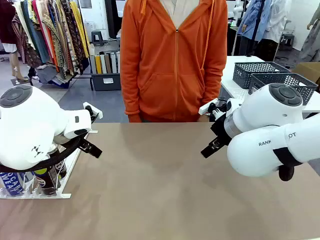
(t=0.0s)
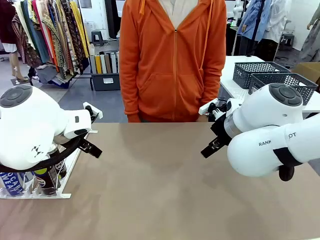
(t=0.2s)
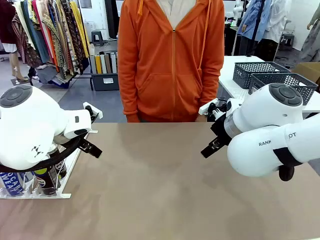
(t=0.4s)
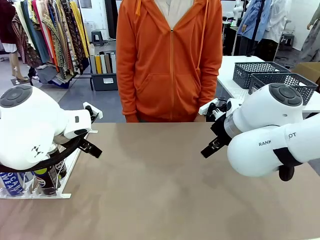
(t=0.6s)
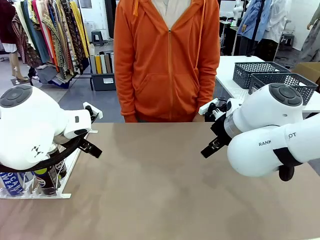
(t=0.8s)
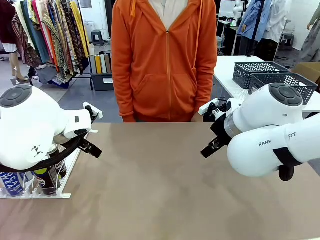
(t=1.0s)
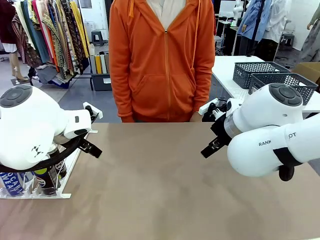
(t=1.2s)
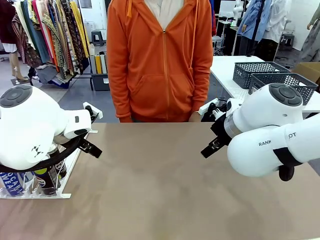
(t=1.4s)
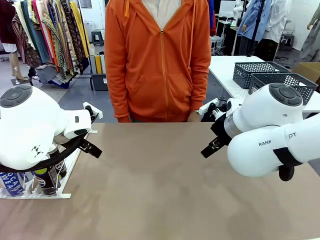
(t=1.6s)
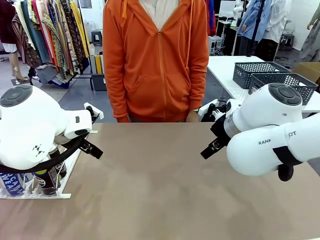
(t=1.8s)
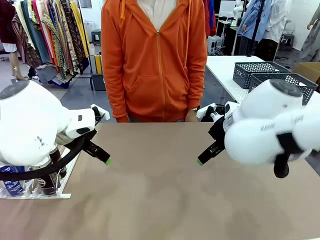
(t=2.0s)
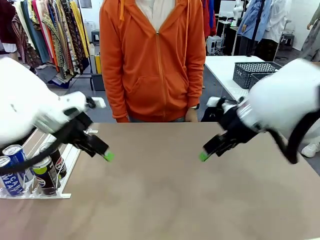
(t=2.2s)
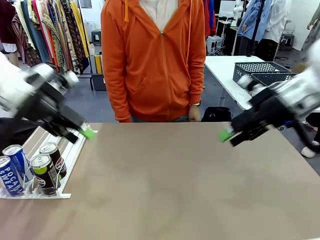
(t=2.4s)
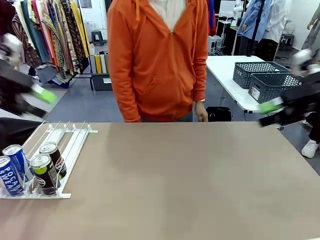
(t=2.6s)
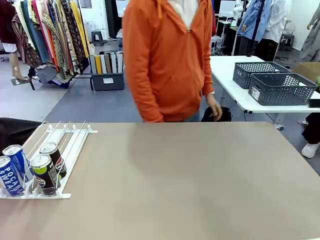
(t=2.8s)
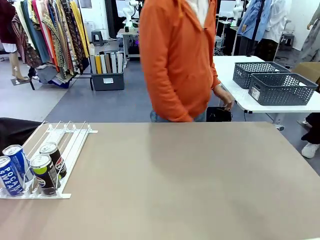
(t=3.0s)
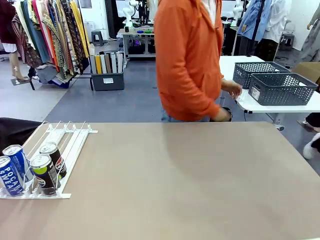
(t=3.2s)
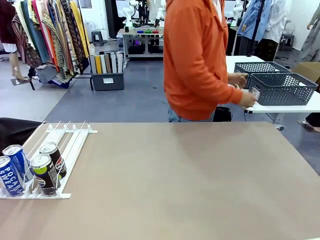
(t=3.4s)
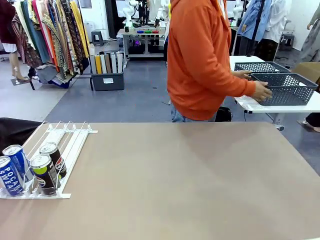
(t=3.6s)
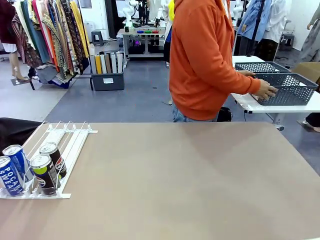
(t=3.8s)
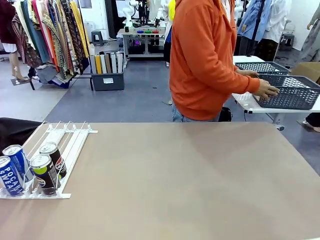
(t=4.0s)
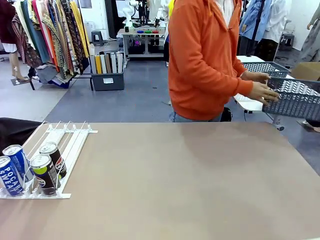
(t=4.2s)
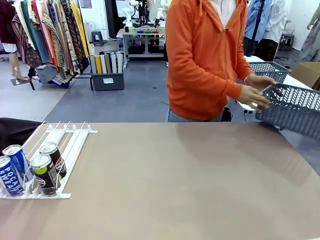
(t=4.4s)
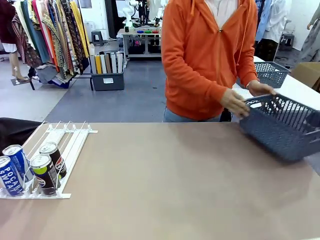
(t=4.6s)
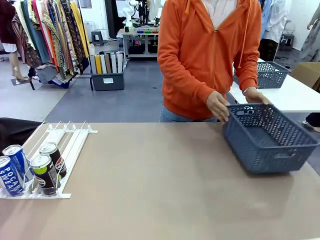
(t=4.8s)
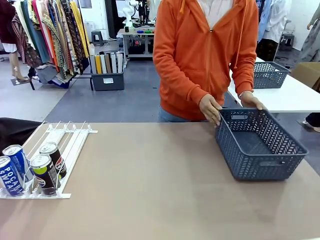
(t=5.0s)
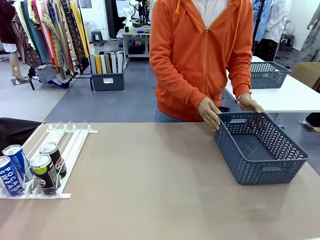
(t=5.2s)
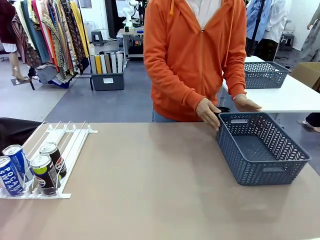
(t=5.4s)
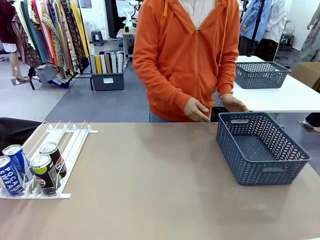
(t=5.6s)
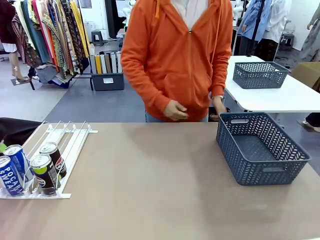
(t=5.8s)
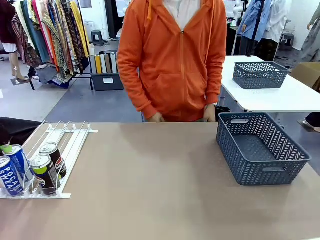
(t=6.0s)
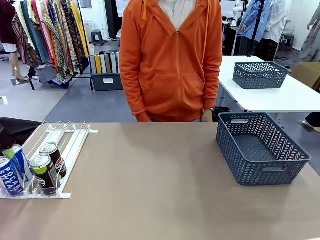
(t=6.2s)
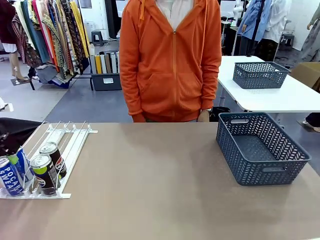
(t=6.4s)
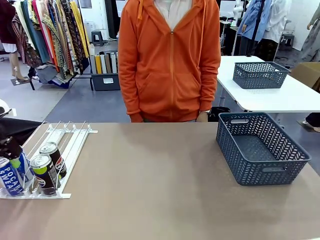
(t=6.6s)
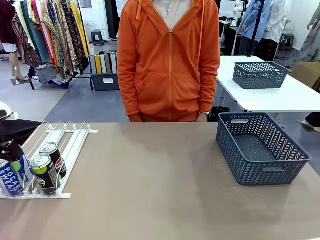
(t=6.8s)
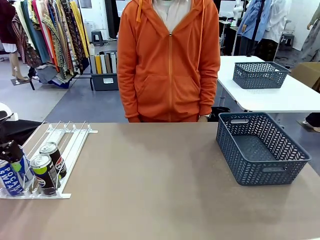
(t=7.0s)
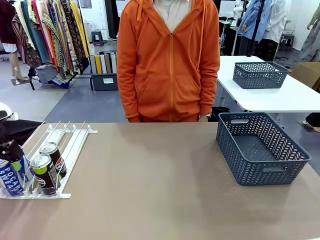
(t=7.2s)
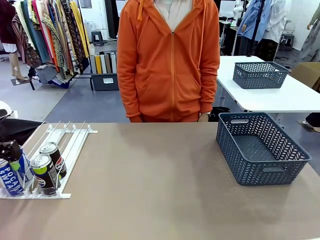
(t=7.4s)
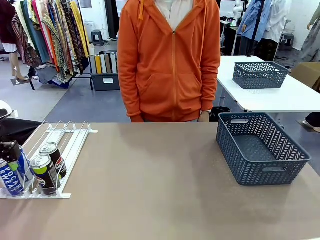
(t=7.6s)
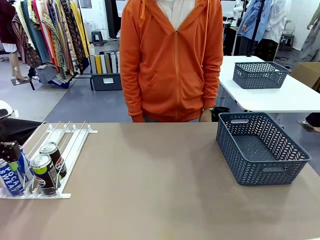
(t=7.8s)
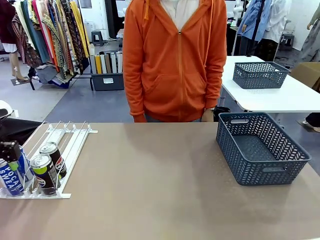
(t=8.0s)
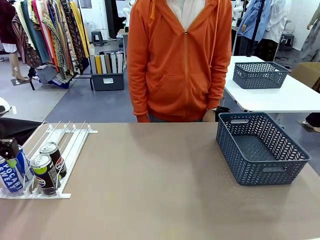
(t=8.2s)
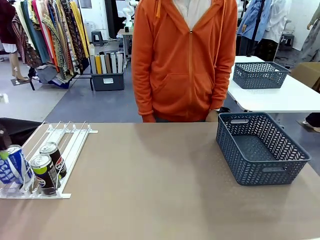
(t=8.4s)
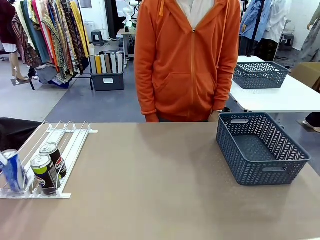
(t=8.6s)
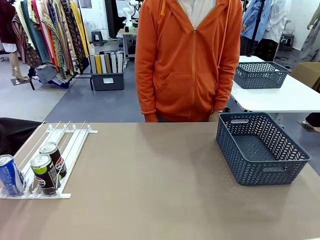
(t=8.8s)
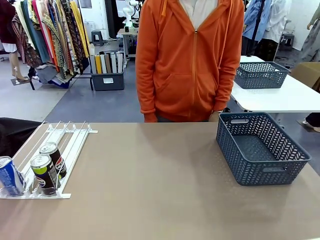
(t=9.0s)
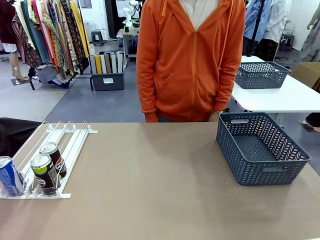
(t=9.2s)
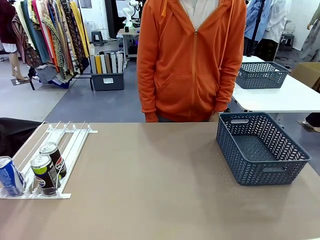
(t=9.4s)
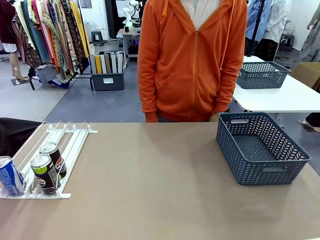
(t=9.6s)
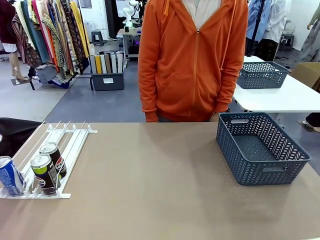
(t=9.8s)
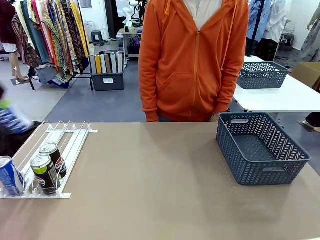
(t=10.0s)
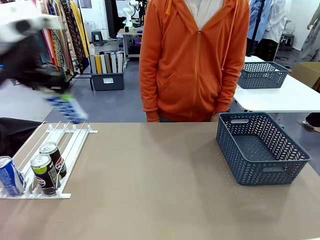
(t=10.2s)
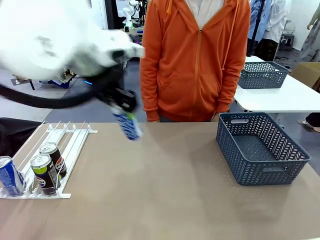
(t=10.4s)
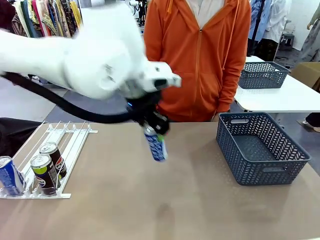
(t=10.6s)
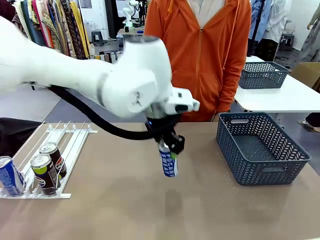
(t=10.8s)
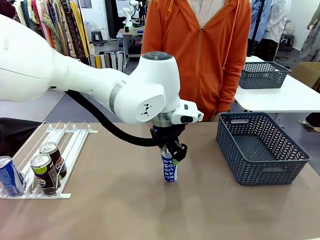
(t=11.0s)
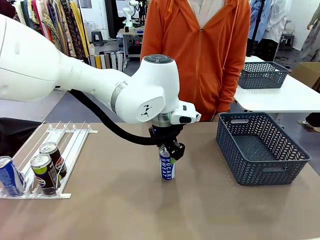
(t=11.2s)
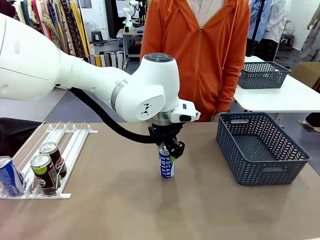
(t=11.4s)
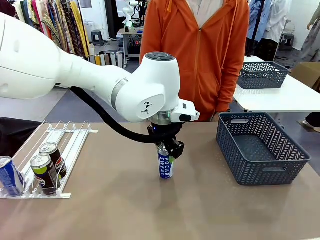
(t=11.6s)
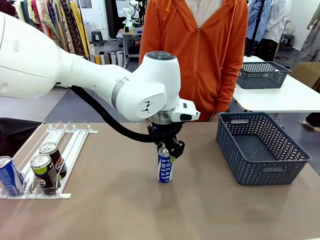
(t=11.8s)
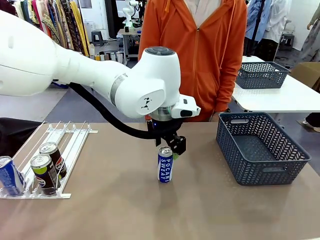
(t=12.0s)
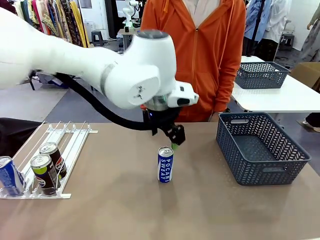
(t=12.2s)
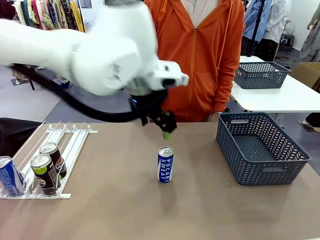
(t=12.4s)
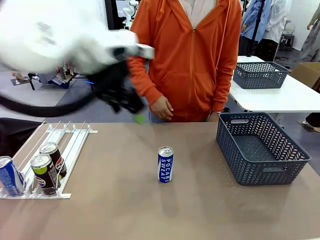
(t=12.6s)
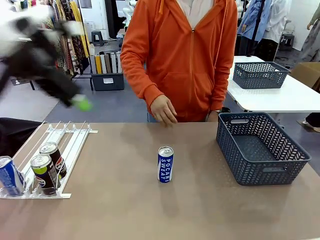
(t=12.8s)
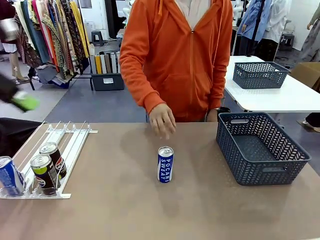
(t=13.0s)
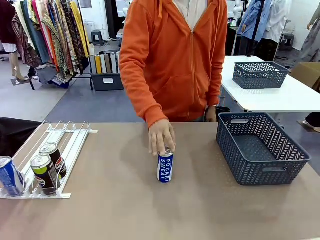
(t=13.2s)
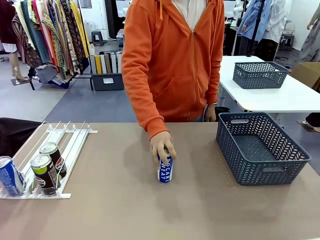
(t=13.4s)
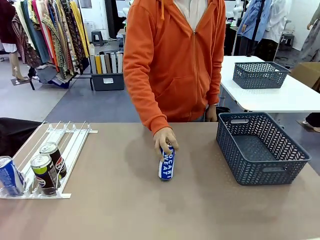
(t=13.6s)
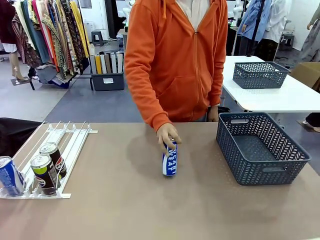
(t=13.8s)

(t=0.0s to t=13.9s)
Task: Retrieve and store the cans from the dispenser.
Robot: Pick up one can from the Automatic Can Dispenser and place it in the middle of the table.
Person: Pick up the basket and place it on the left side of the robot table.

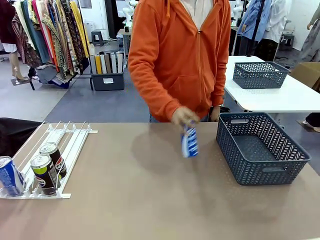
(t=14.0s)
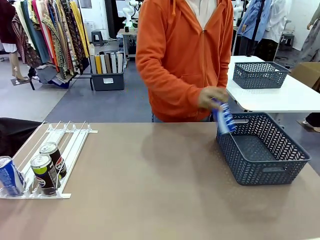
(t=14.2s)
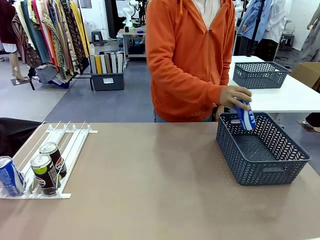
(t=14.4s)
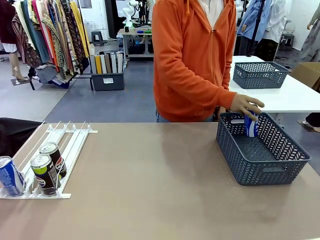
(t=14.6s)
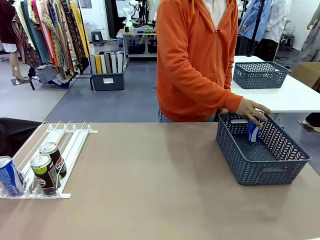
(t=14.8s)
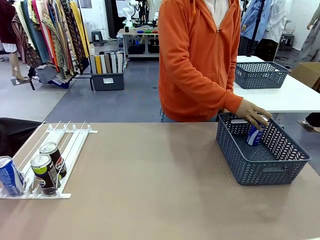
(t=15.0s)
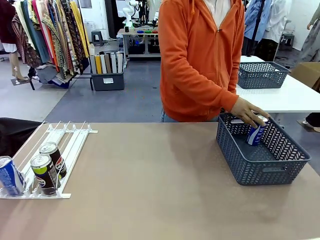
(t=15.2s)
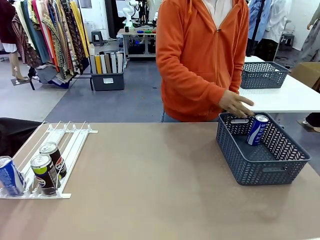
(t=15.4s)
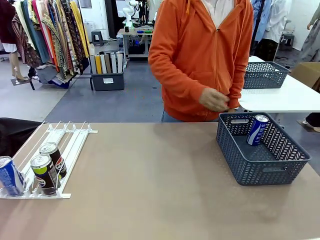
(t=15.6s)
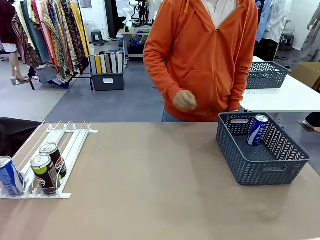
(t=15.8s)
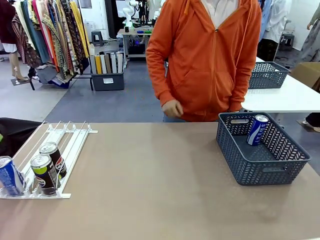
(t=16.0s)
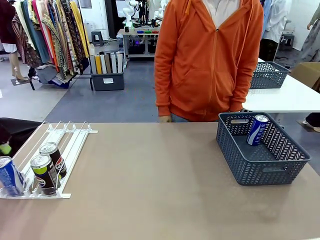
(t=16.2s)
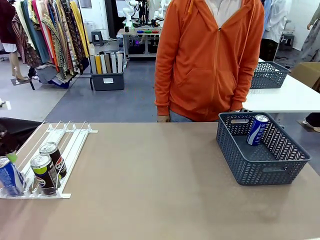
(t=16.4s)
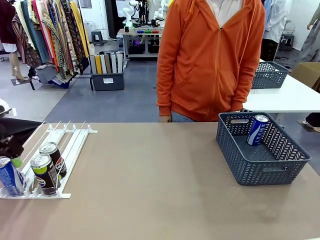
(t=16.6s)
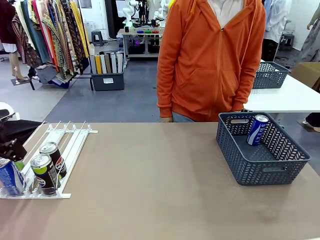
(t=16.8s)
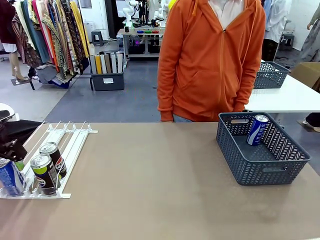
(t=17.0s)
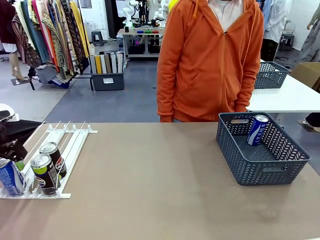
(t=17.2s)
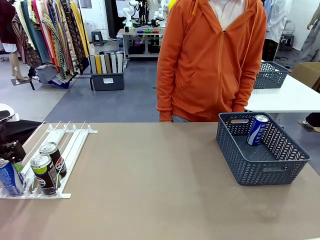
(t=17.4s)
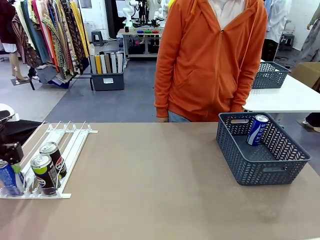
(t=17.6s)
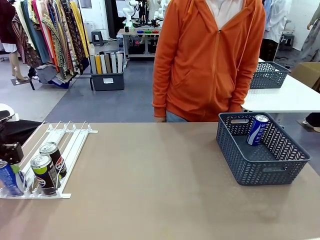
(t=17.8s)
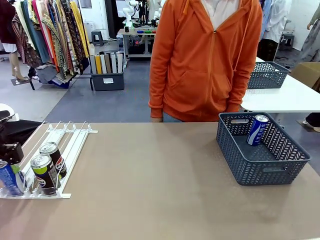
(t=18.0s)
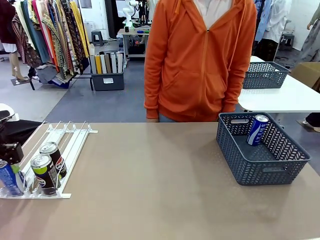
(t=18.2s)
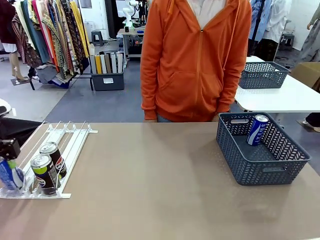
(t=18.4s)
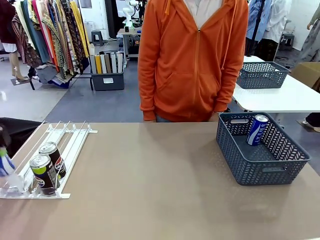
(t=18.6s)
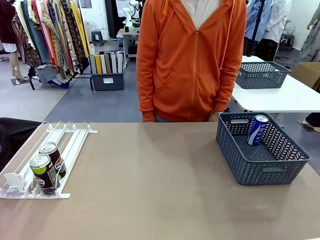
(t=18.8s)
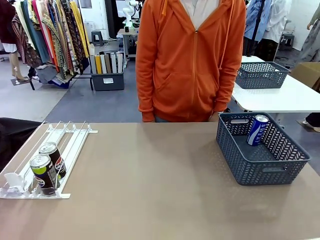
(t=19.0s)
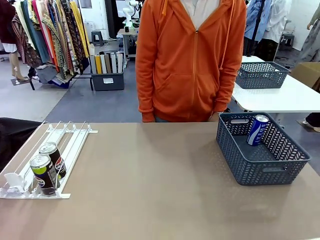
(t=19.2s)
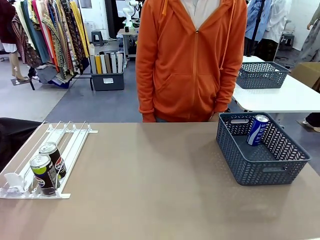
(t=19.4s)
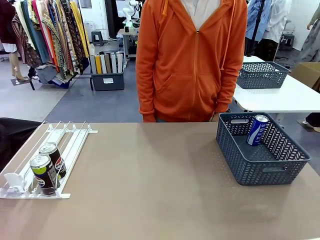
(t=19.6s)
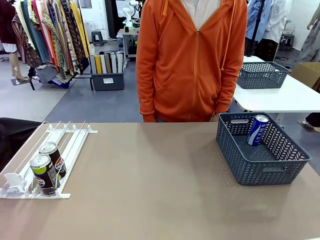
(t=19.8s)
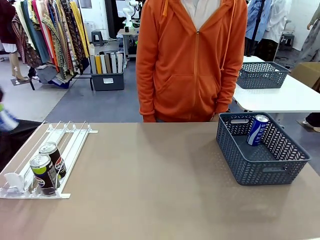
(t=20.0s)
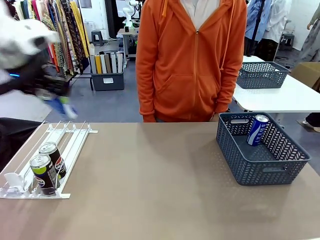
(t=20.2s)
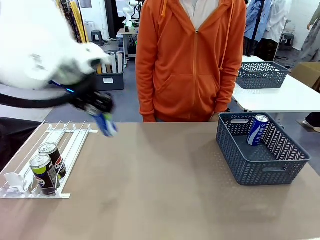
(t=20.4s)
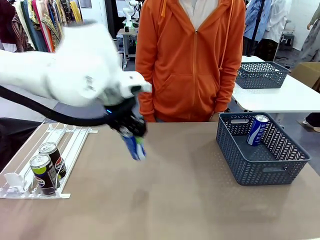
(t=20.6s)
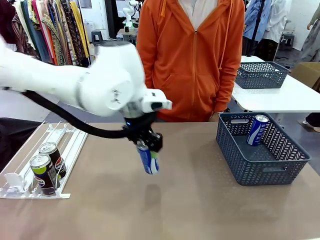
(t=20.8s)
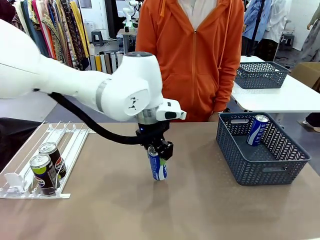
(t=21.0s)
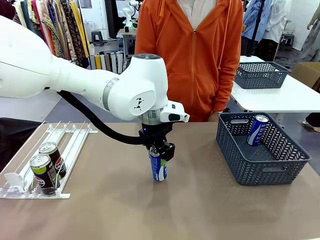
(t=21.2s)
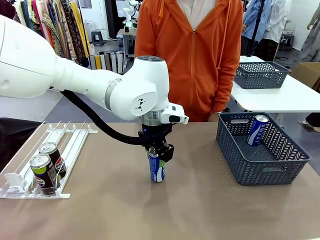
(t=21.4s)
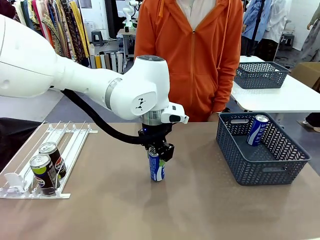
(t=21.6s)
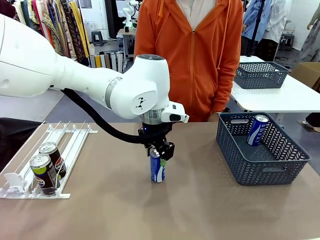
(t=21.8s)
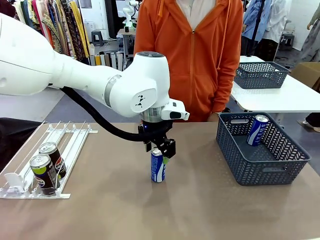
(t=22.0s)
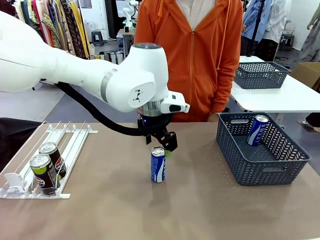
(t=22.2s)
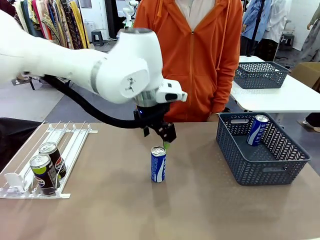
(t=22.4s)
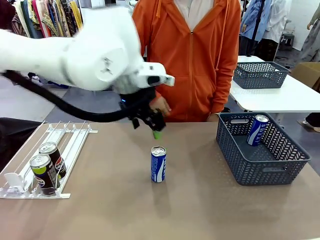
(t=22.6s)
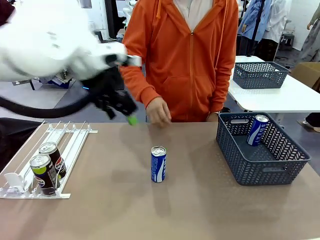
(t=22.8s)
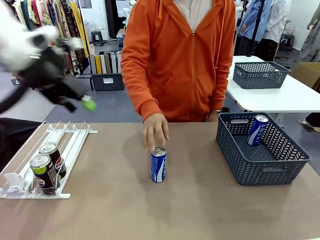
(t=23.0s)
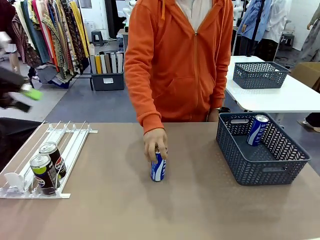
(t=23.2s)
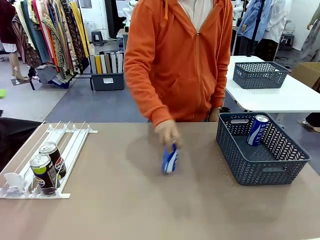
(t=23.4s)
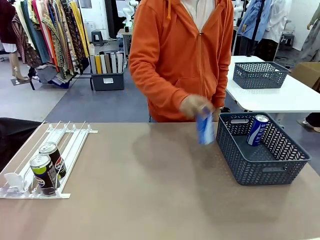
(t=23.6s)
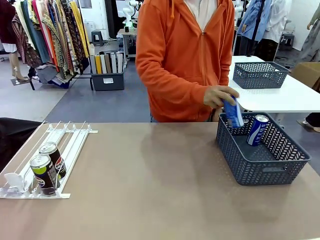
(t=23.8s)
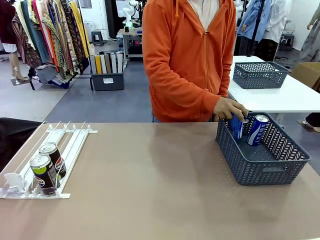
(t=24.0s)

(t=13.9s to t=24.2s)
Robot: Pick up the last remaining can from one row of the Automatic Can Dispenser and place it in the middle of the table.
Person: Pick up one Pepsi can from the middle of the robot table and place it in the basket.
